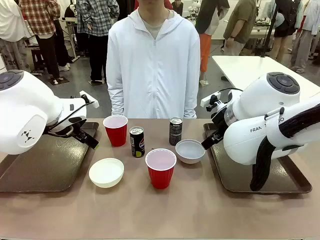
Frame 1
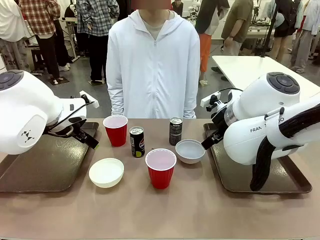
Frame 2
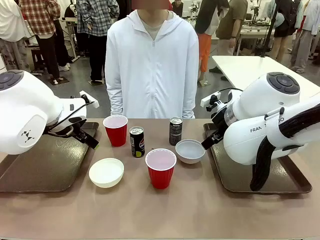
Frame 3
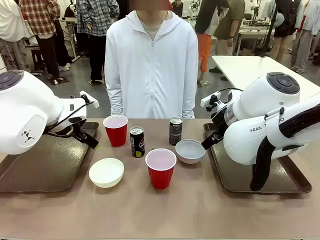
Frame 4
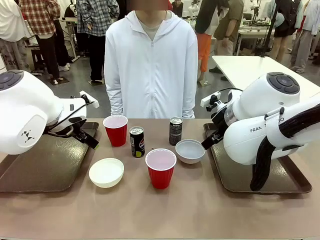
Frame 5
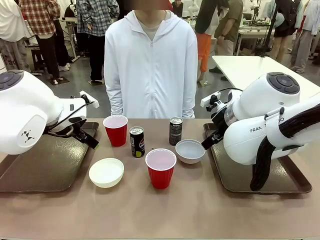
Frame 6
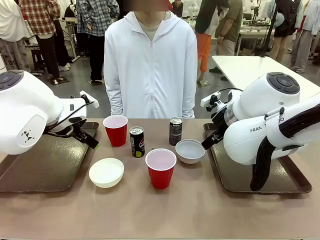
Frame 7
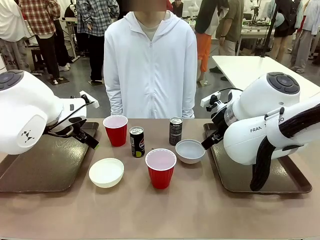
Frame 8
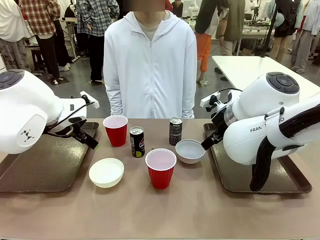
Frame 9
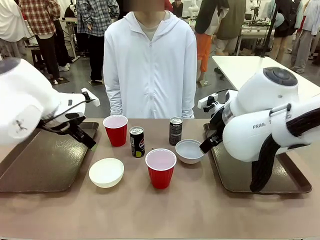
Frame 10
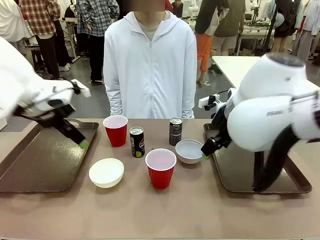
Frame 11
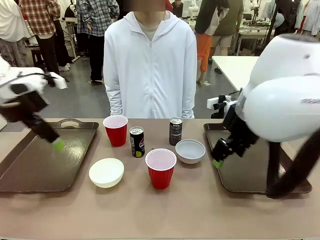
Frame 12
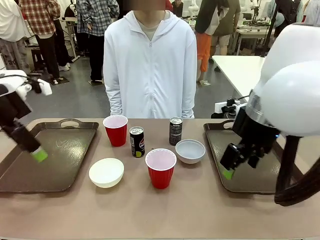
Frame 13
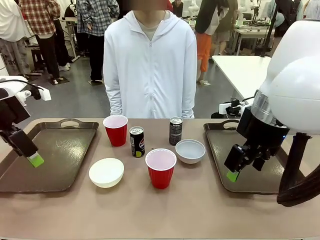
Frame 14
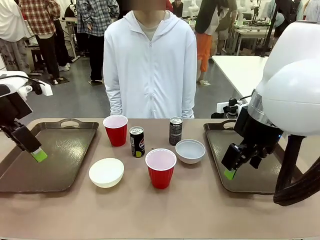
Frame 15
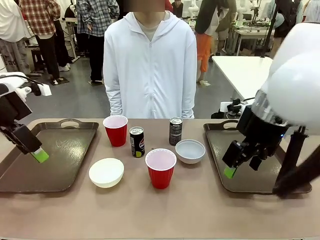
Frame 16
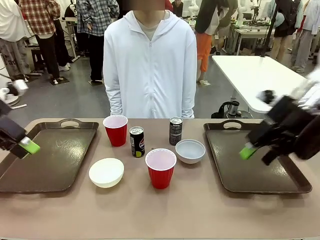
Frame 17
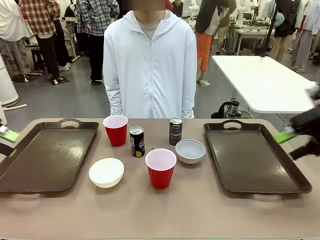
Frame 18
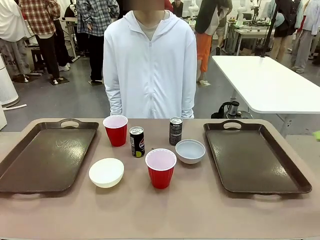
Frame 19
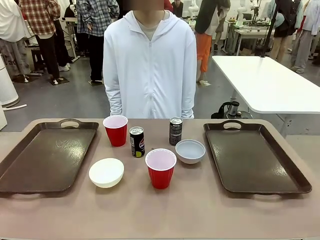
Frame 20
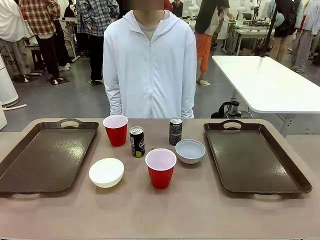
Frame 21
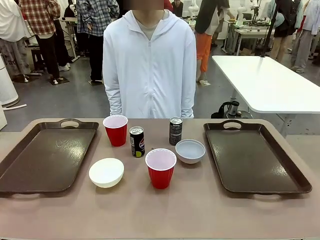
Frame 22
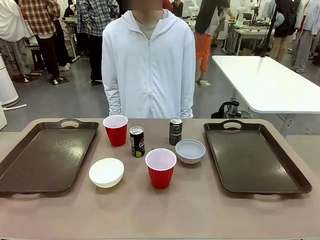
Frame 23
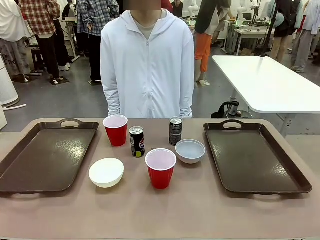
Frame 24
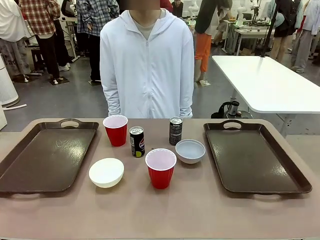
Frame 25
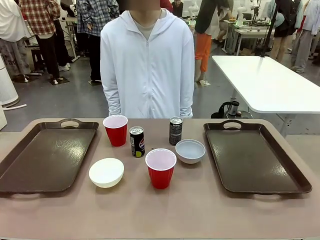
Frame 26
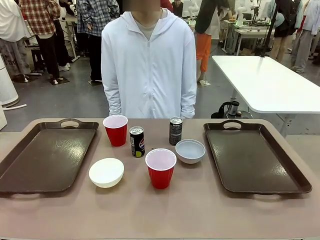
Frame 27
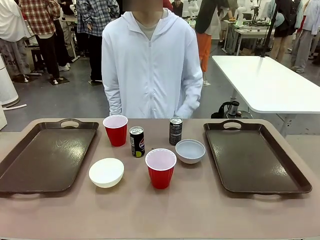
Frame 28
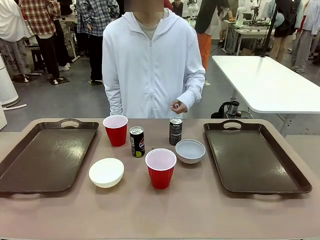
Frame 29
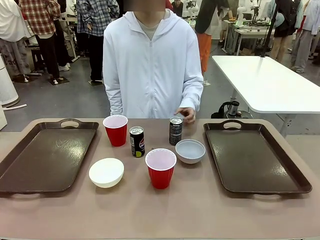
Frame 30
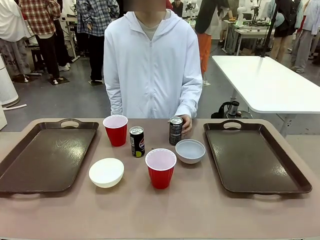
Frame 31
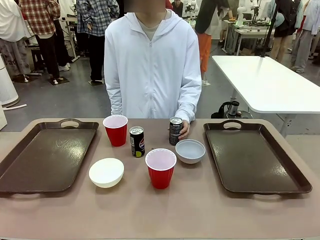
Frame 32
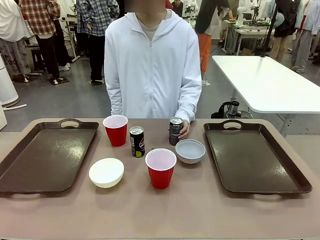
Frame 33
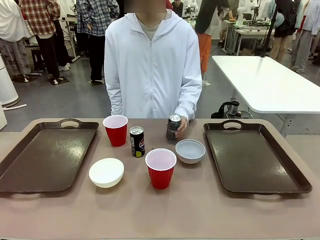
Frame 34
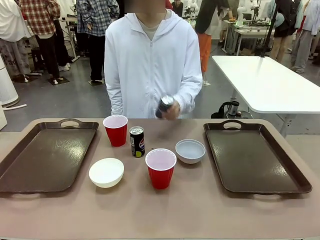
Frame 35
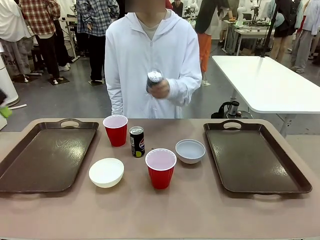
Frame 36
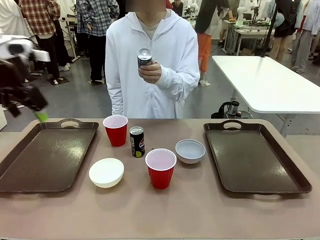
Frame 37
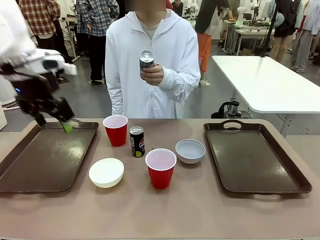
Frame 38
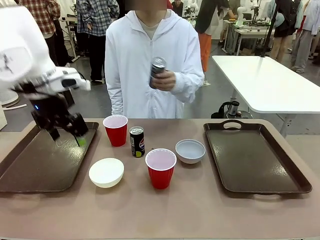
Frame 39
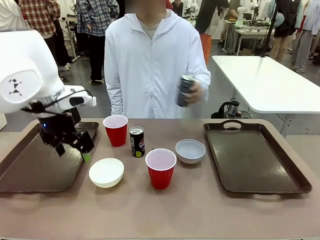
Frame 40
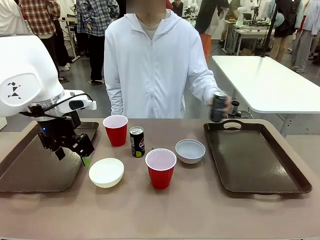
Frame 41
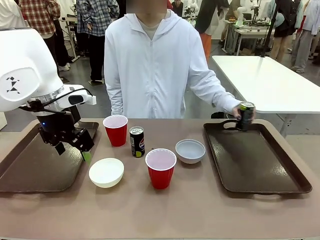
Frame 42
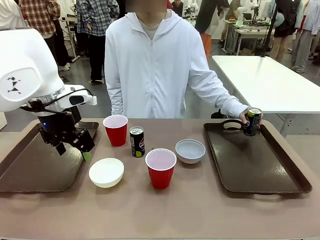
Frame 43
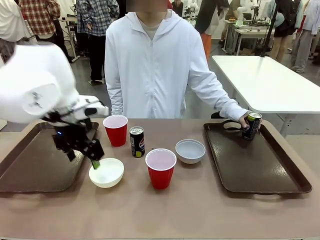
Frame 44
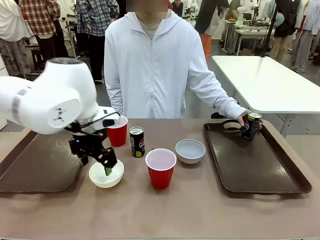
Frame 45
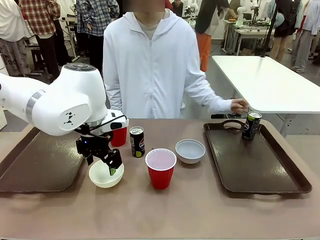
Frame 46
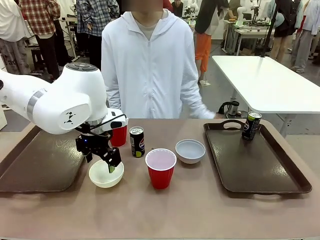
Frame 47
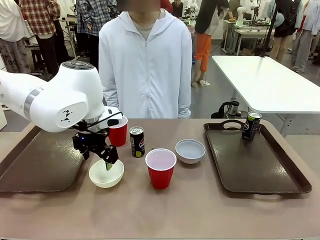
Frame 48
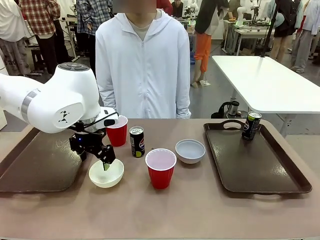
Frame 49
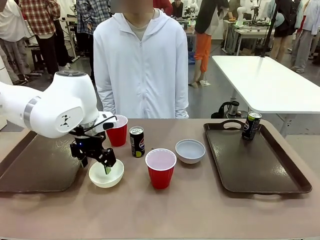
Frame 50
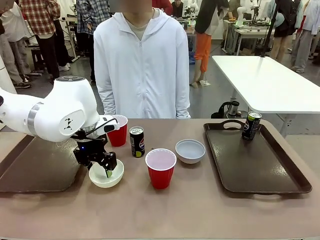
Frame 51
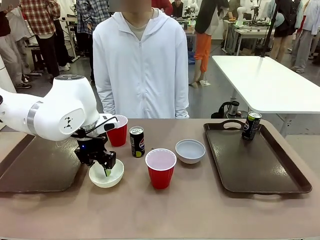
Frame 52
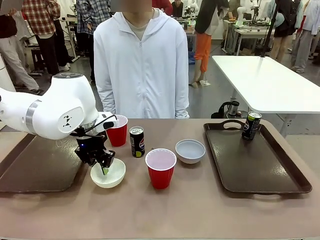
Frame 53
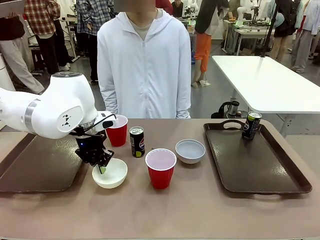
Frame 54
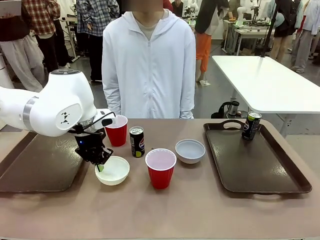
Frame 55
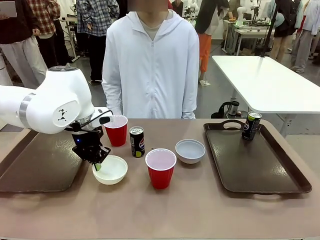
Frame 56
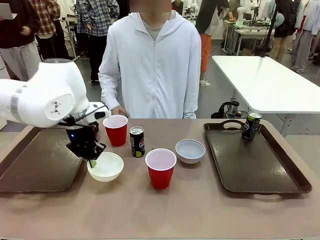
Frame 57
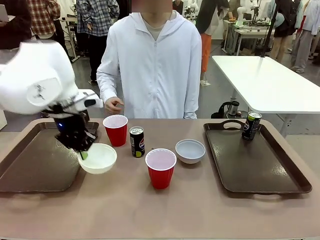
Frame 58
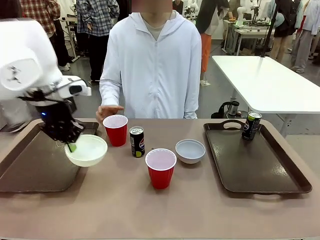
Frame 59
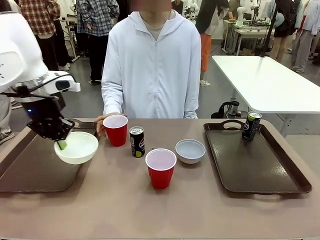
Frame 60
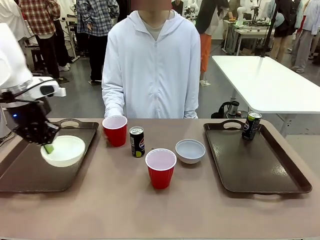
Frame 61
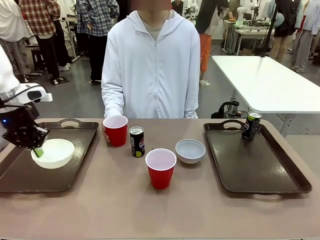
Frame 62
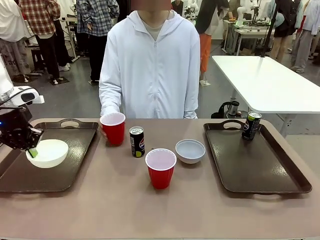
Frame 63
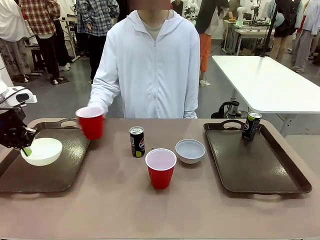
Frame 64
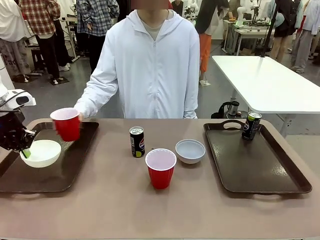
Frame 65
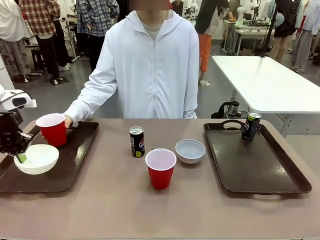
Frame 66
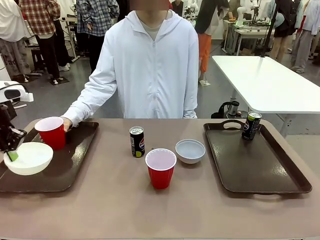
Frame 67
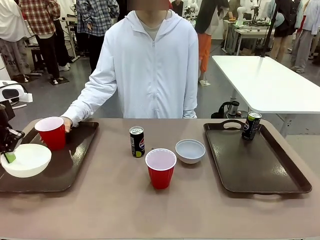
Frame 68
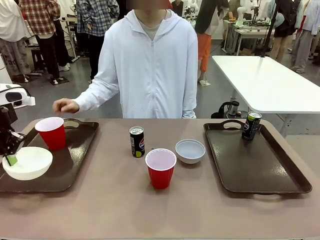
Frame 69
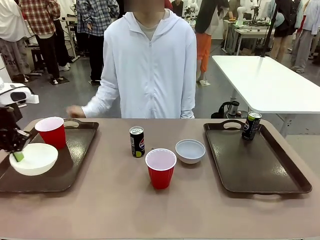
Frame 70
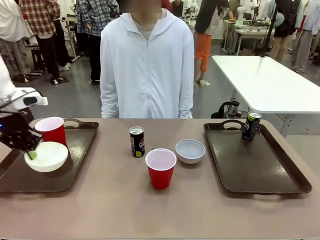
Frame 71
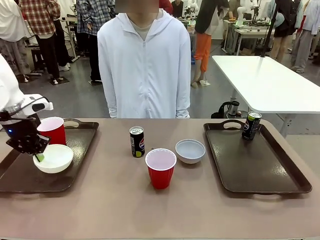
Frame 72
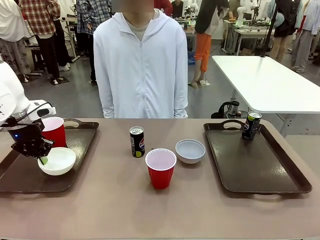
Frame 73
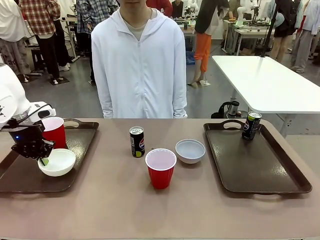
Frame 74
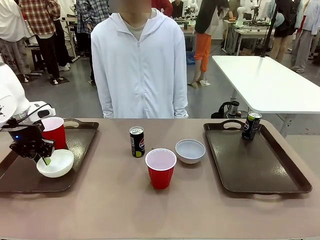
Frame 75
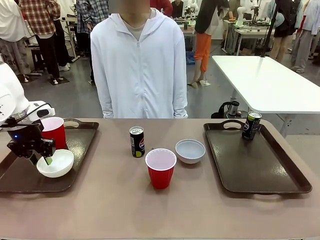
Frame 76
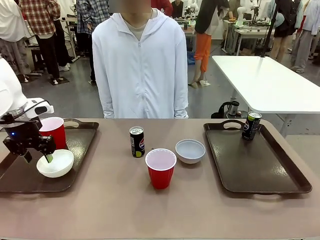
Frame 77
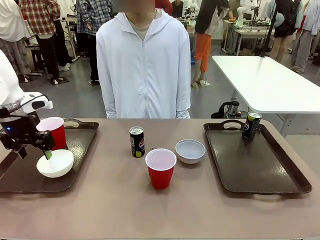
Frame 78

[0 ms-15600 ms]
Task: Prepare tableware on both trays.
Robot: Pick up a Picnic Bowl from the table and place it on a Handle tray.
Person: Pick up a can or cup and place it on the tray.
